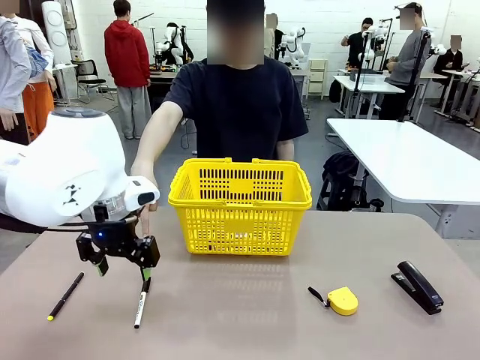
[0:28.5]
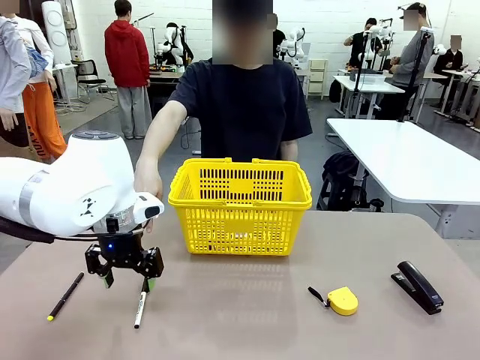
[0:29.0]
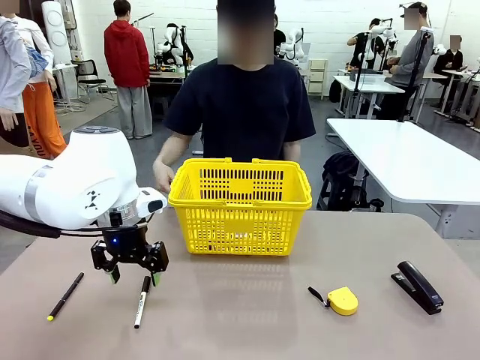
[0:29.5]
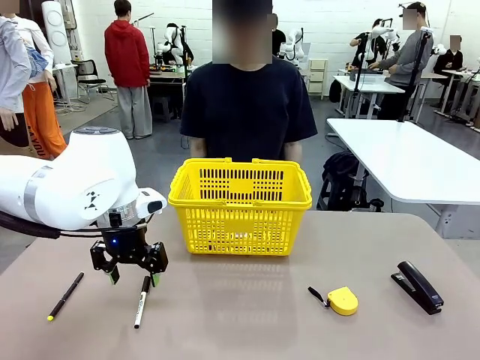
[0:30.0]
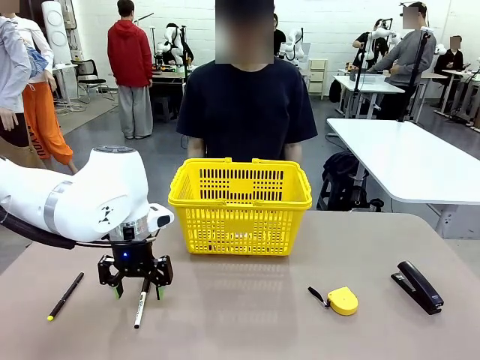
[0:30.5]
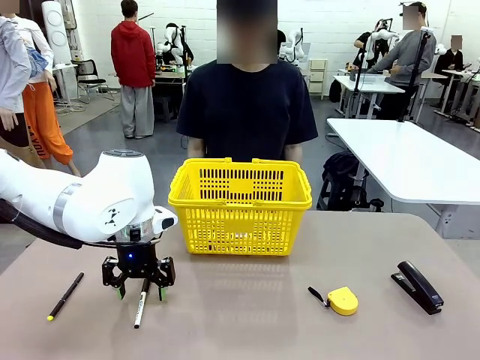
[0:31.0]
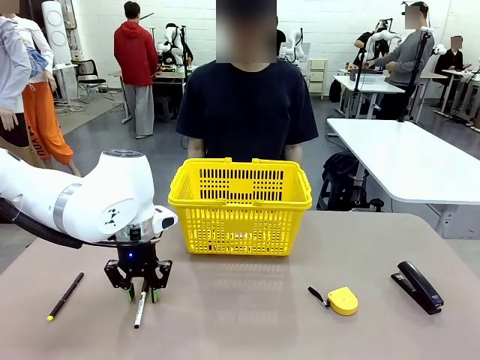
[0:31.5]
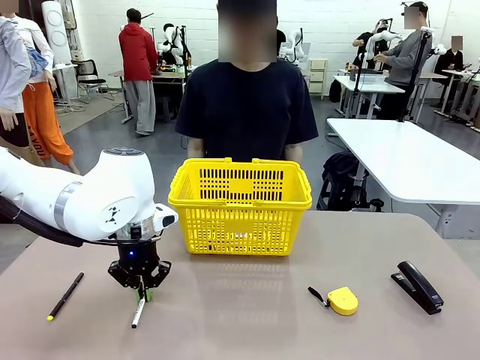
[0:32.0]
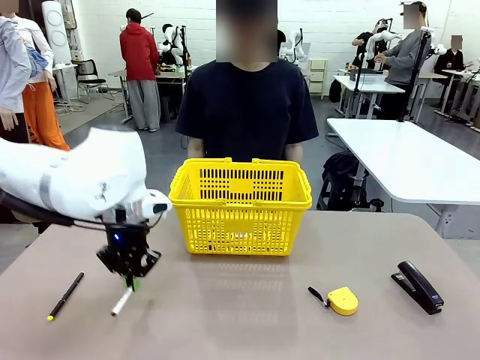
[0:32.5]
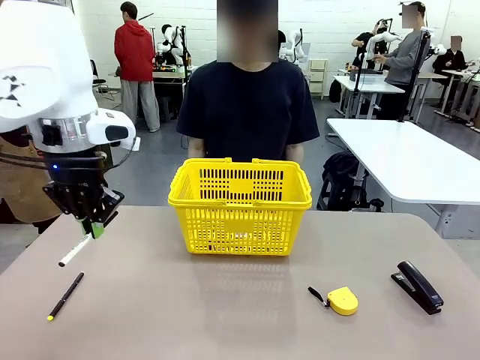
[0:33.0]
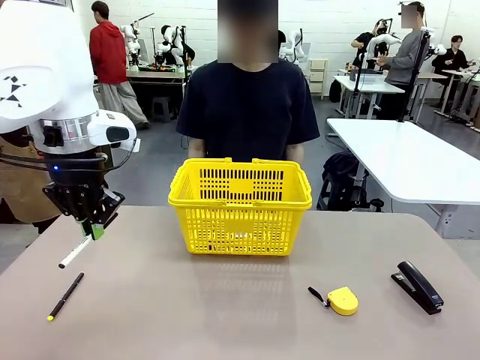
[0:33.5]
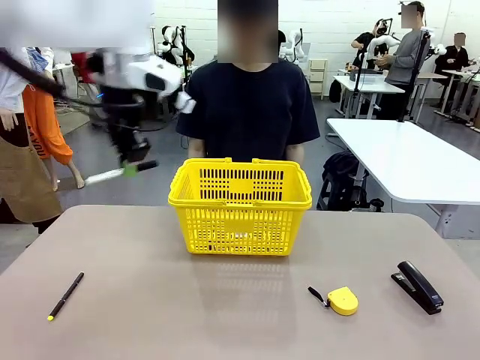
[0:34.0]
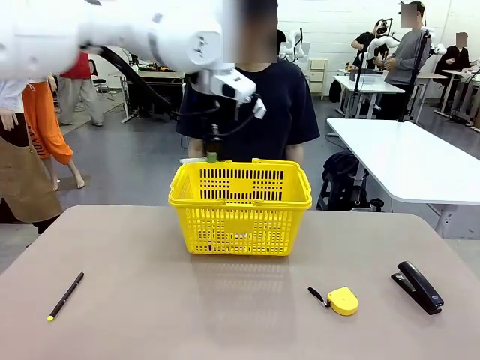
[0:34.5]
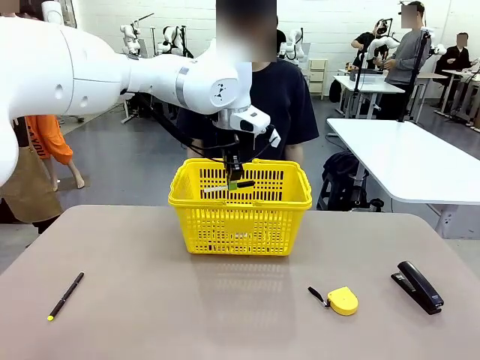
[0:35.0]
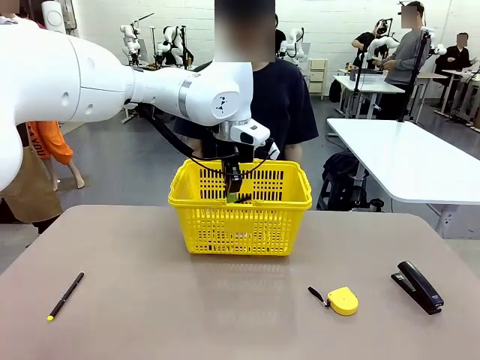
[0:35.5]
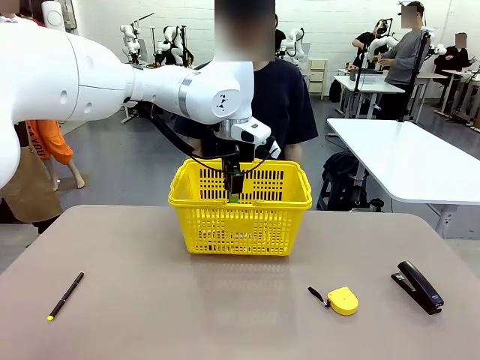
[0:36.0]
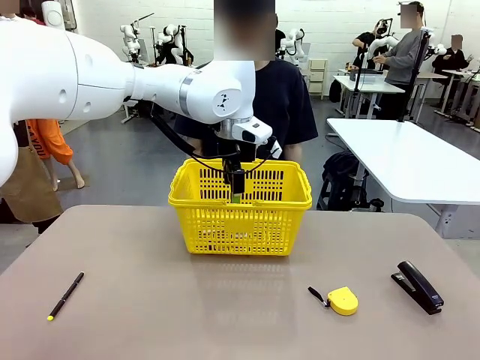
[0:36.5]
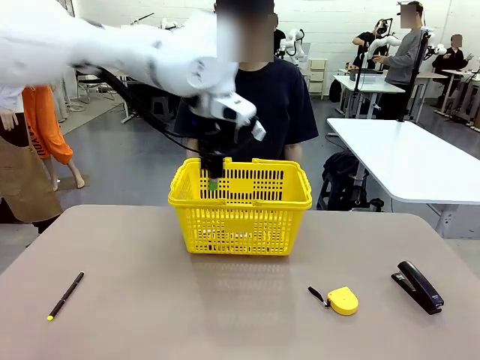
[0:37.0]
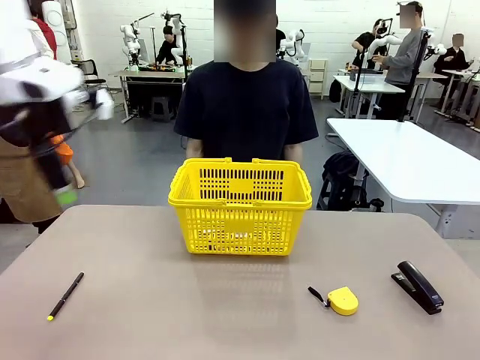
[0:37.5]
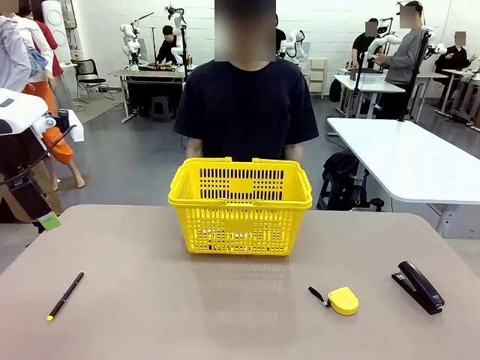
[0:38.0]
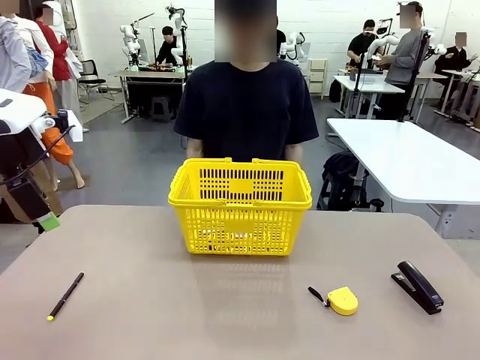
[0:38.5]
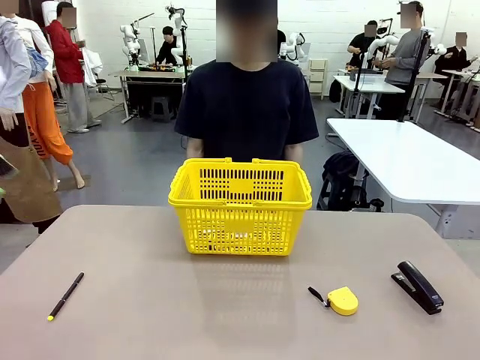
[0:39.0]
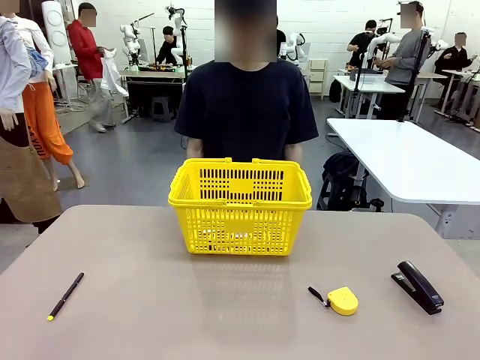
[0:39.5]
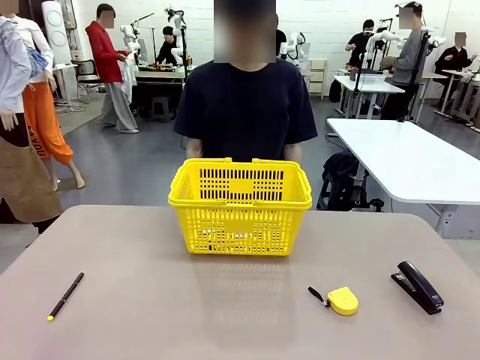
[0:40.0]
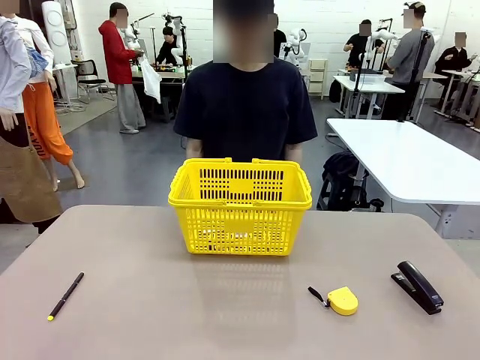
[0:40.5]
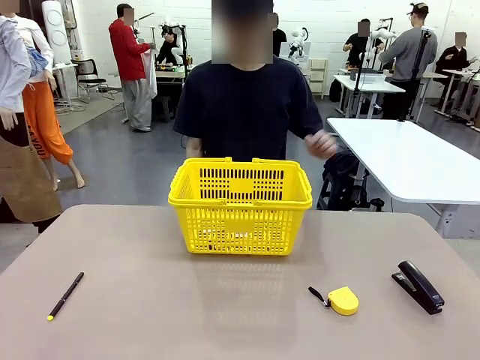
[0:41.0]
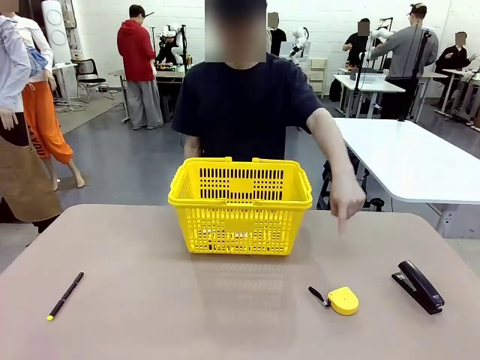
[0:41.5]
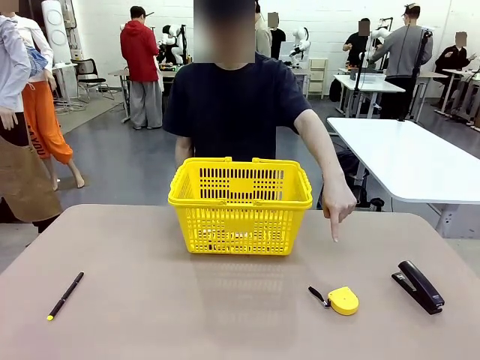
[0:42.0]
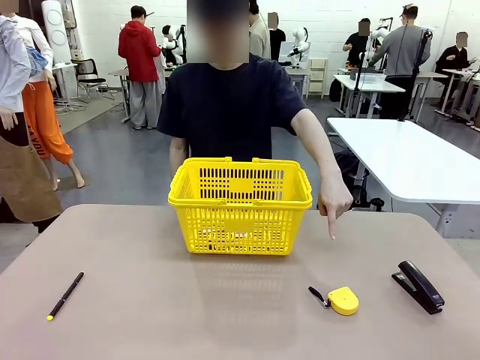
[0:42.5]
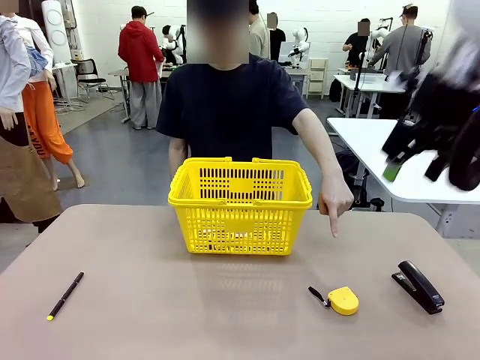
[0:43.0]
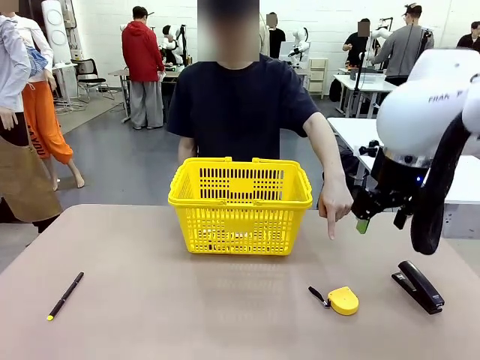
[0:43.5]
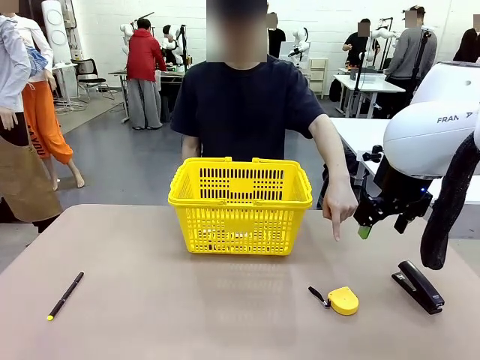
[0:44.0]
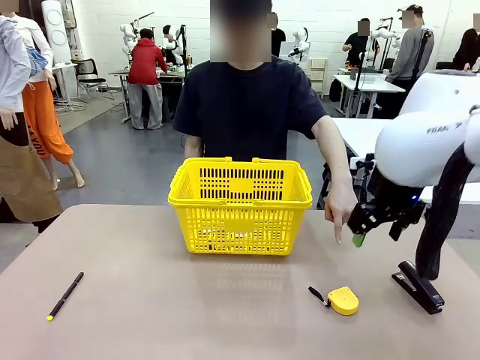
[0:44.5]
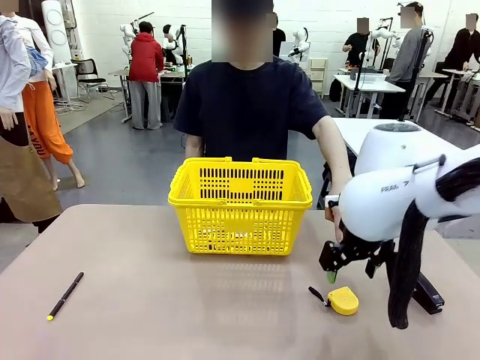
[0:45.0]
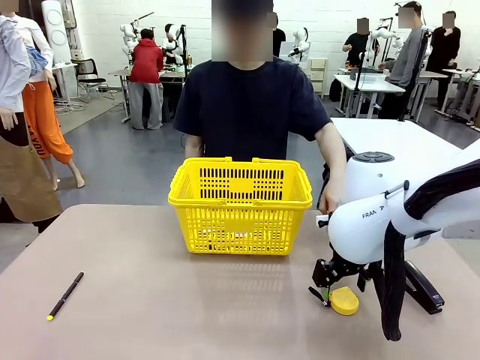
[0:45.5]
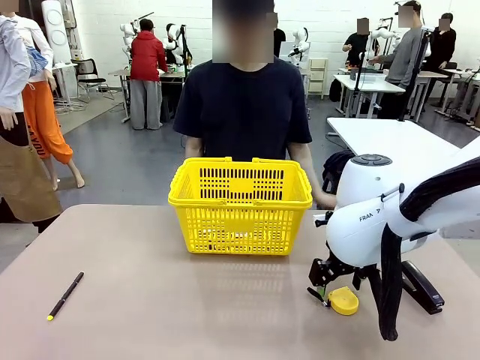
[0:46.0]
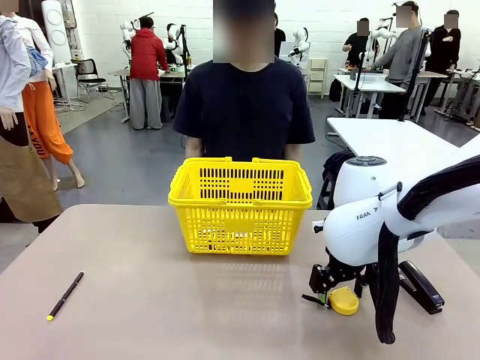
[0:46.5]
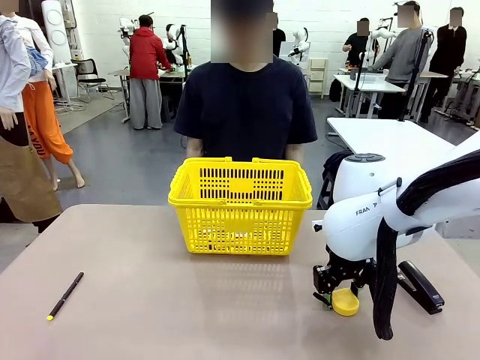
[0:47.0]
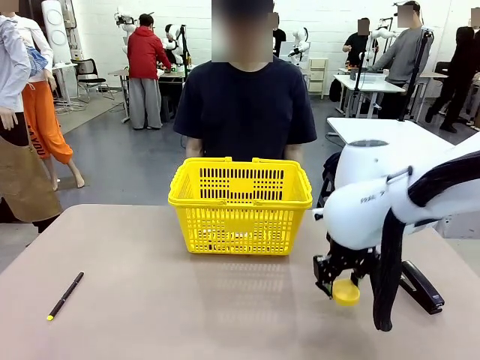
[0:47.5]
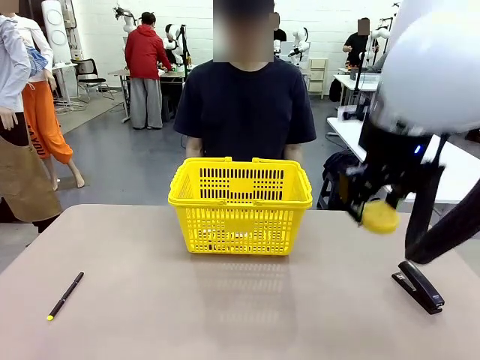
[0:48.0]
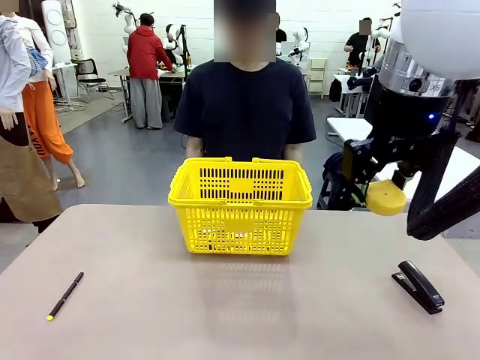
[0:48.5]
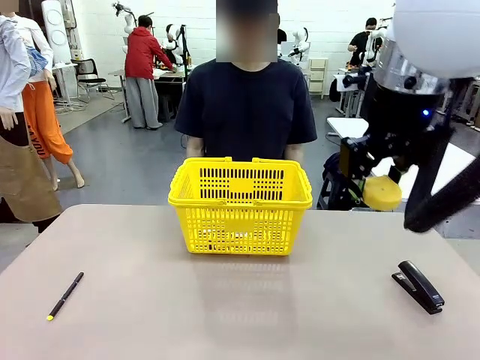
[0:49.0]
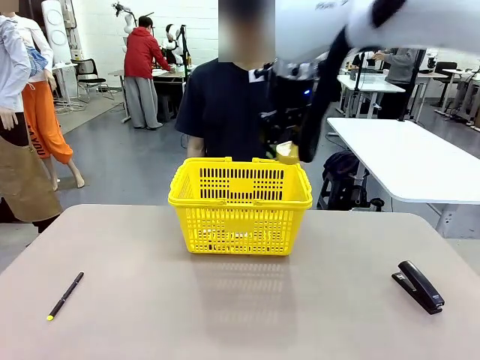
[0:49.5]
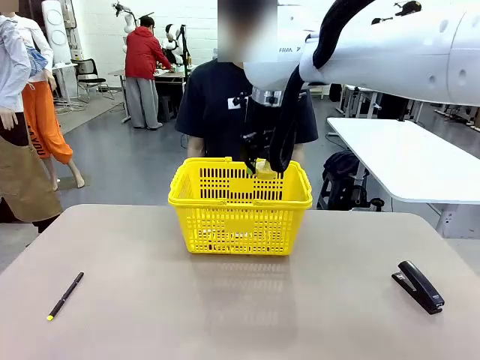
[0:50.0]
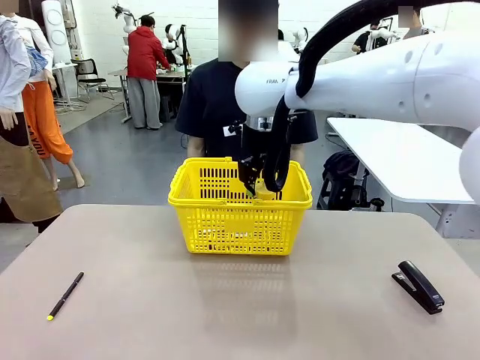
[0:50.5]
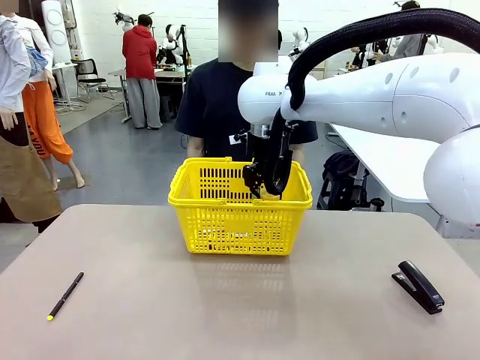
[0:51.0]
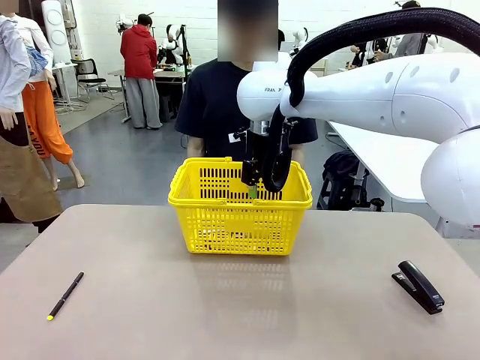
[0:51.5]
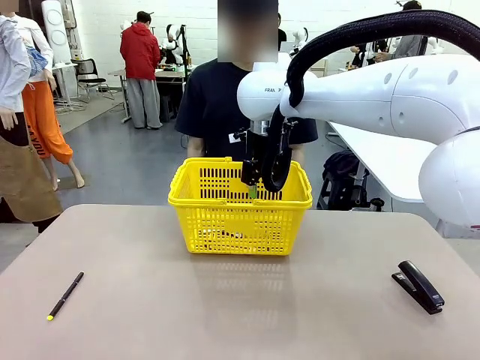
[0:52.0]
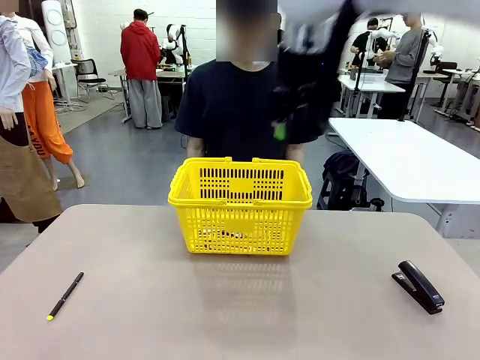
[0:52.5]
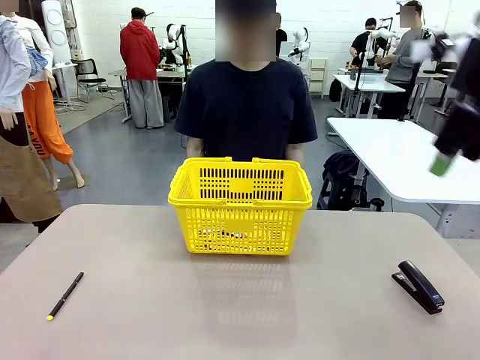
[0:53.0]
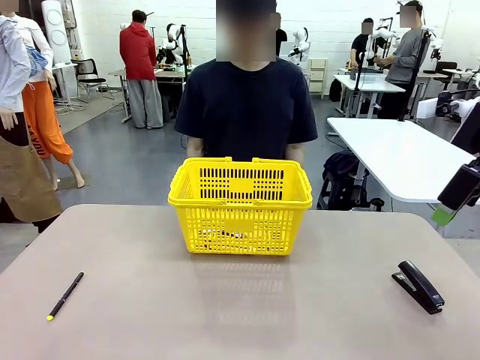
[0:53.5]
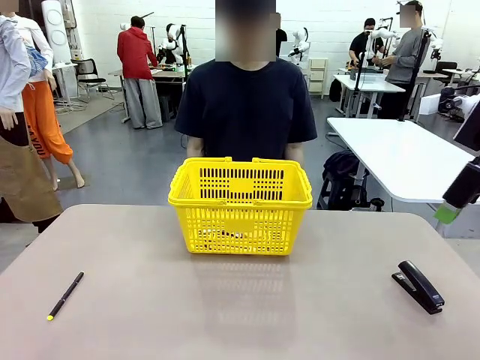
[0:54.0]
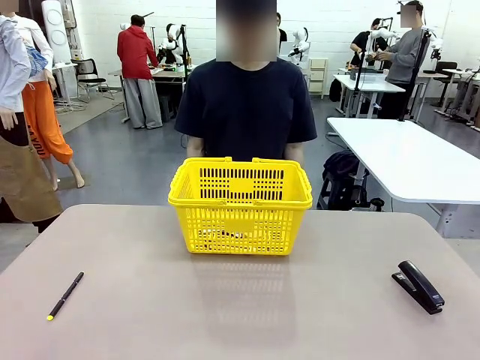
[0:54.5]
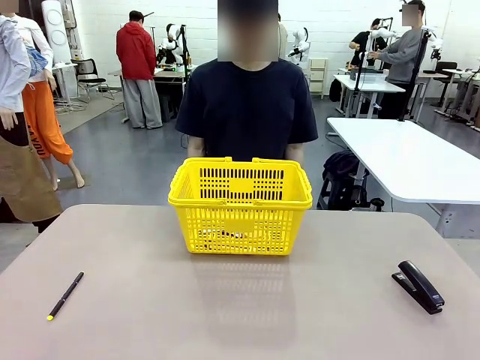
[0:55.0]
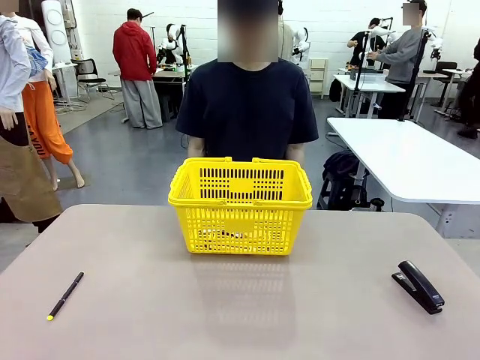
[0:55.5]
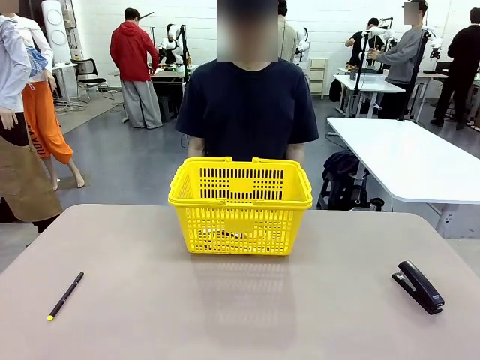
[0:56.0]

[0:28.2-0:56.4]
Task: Place the items the person wants into the basket.
Robot: Pick up the item the person points to and place it in the Market Basket.
